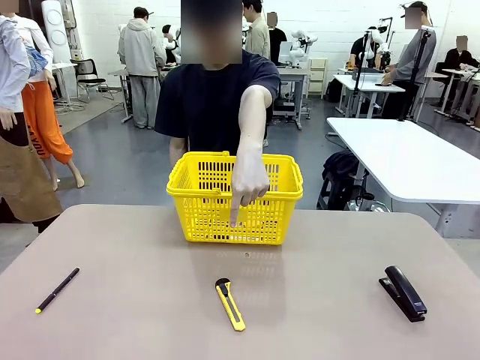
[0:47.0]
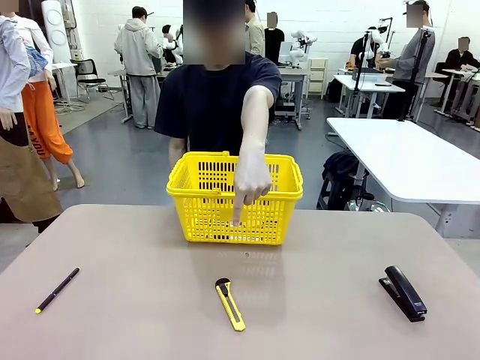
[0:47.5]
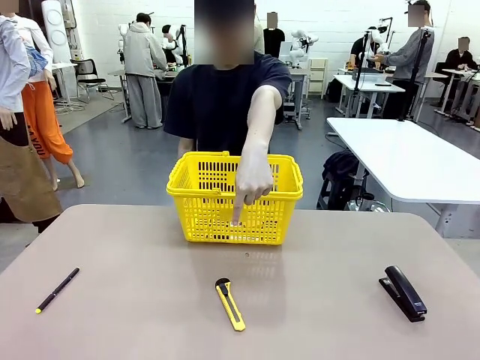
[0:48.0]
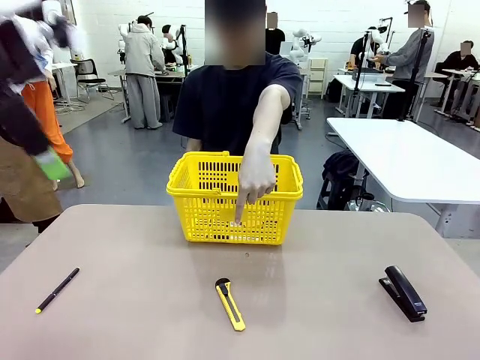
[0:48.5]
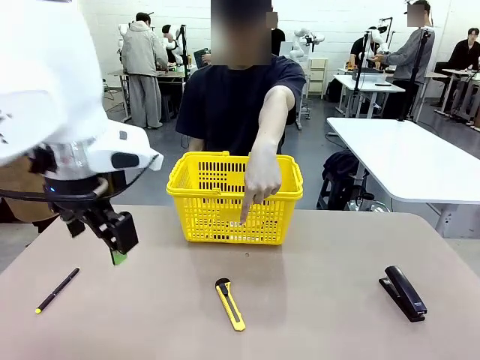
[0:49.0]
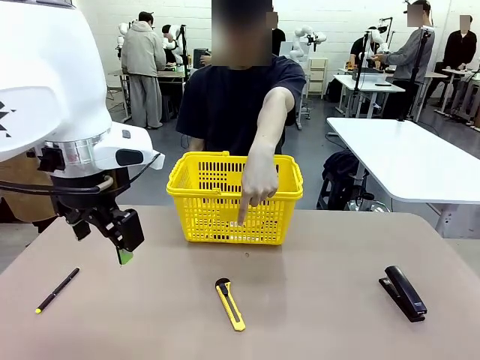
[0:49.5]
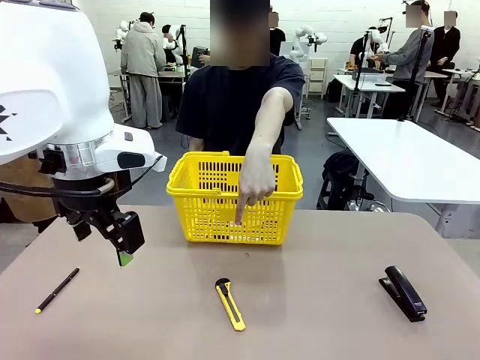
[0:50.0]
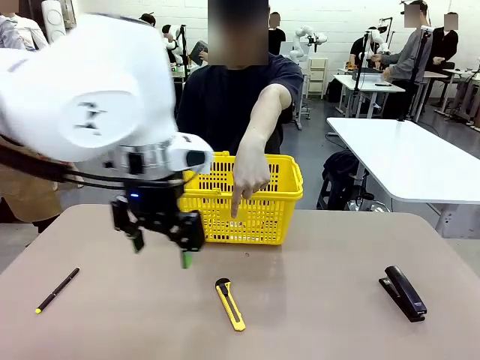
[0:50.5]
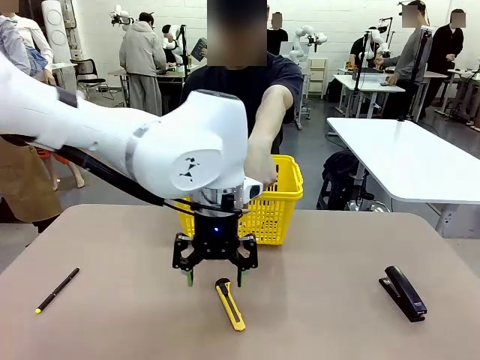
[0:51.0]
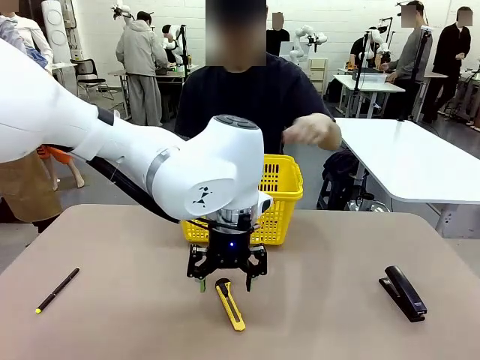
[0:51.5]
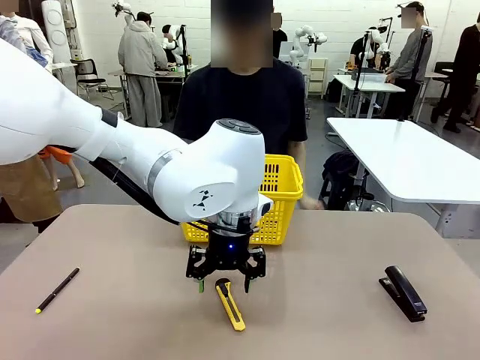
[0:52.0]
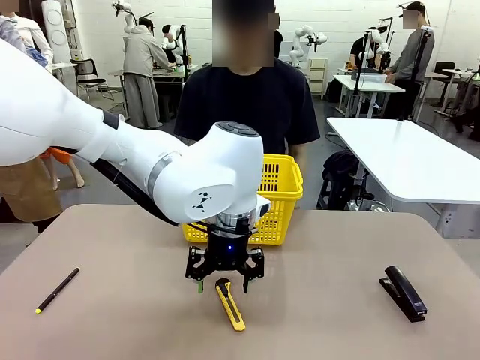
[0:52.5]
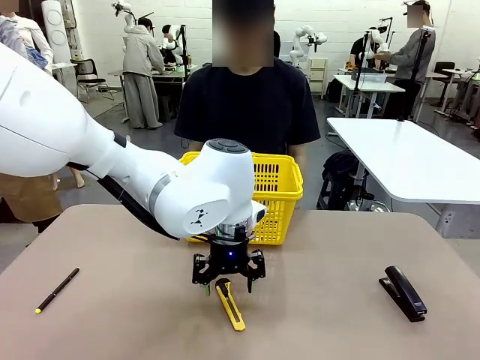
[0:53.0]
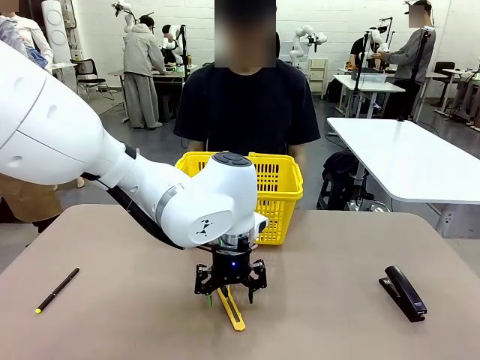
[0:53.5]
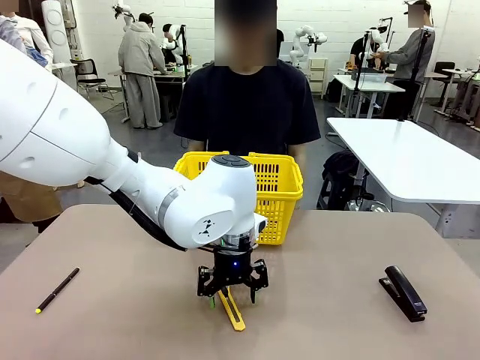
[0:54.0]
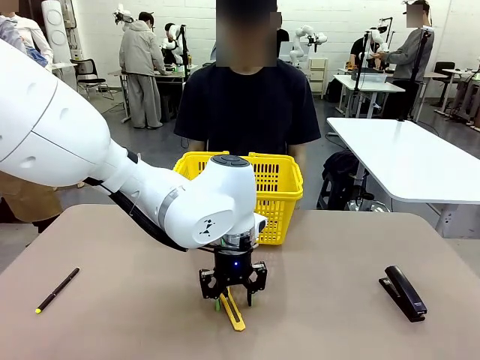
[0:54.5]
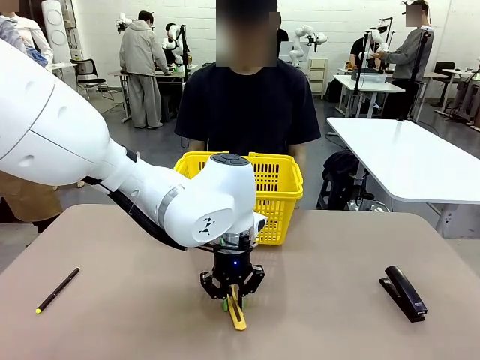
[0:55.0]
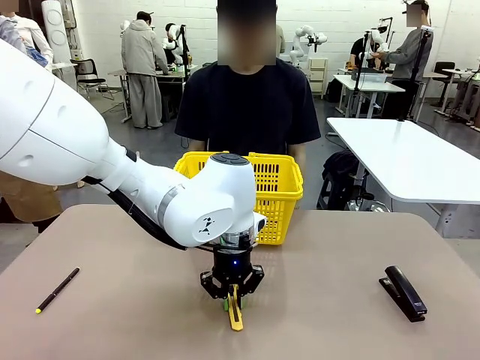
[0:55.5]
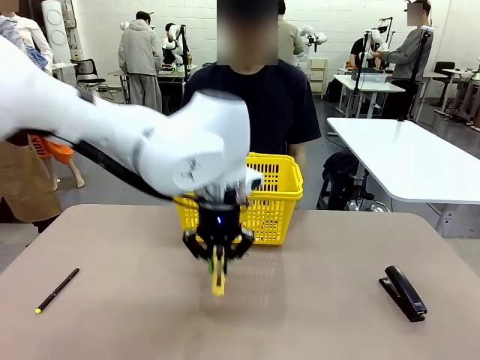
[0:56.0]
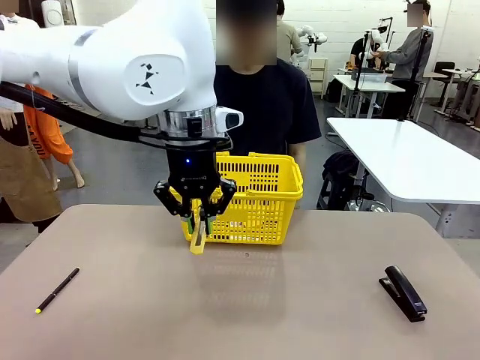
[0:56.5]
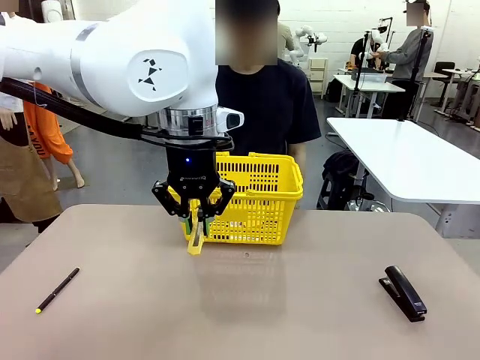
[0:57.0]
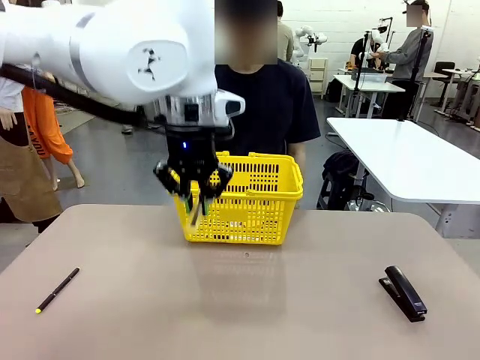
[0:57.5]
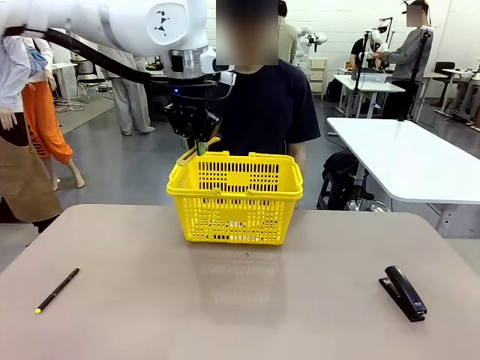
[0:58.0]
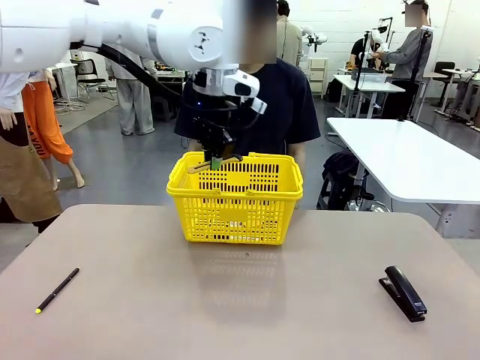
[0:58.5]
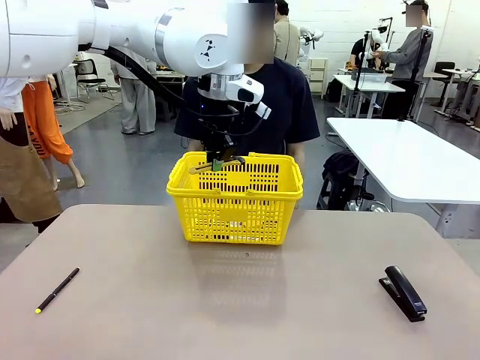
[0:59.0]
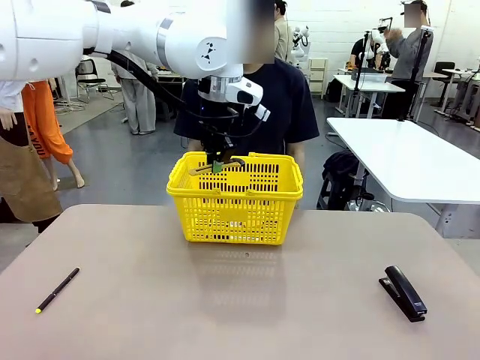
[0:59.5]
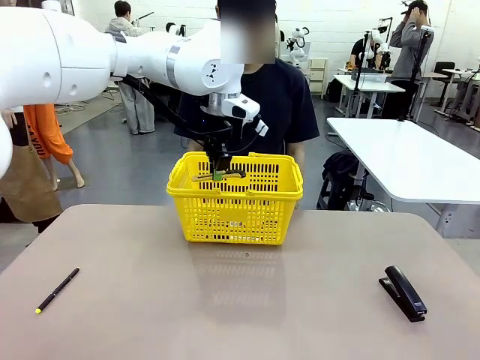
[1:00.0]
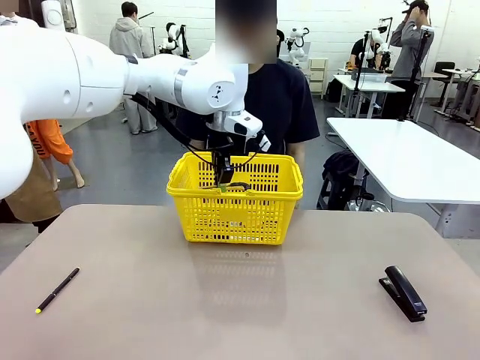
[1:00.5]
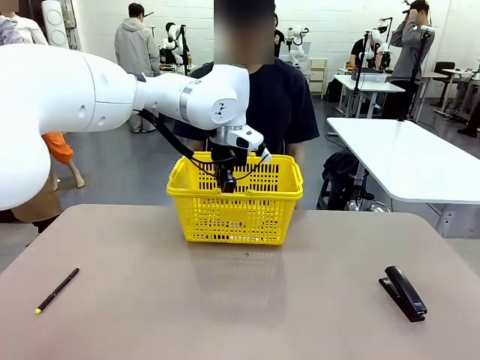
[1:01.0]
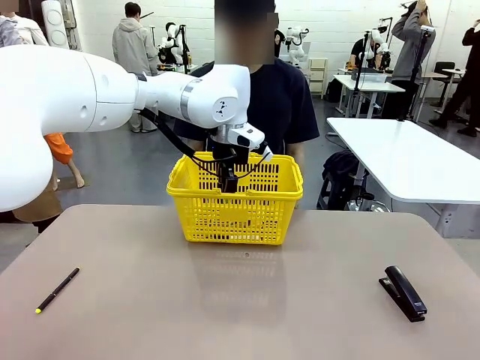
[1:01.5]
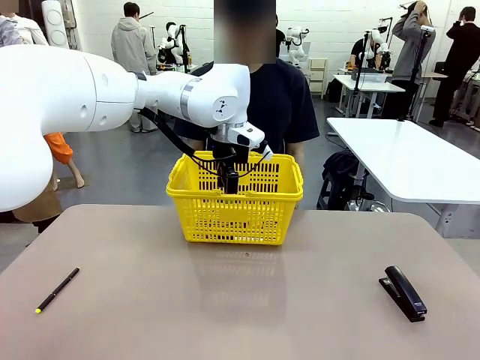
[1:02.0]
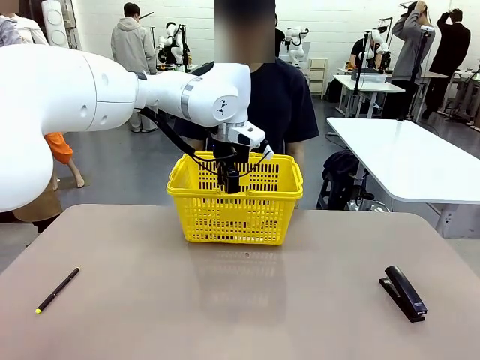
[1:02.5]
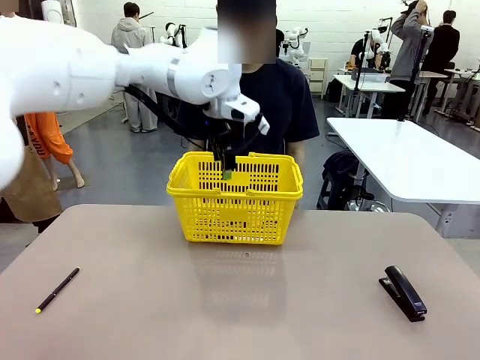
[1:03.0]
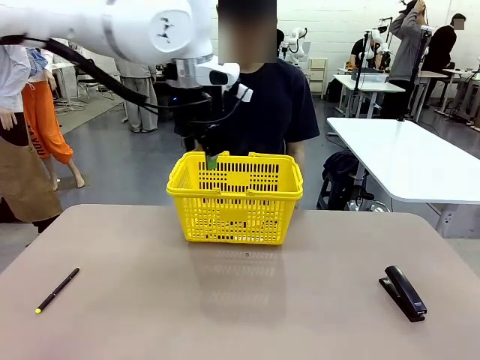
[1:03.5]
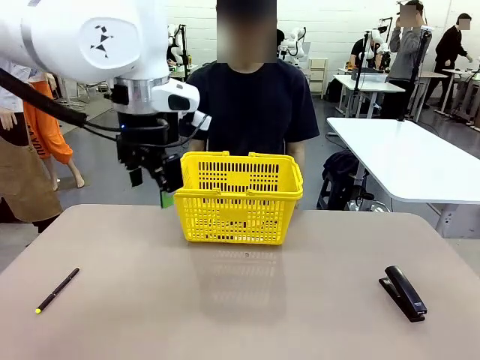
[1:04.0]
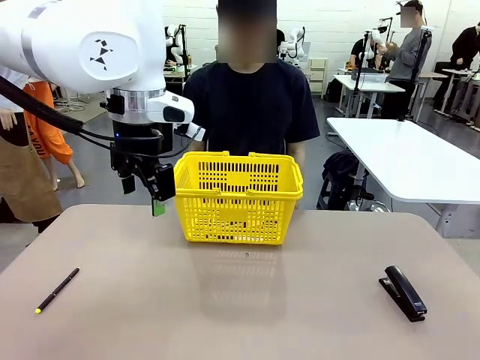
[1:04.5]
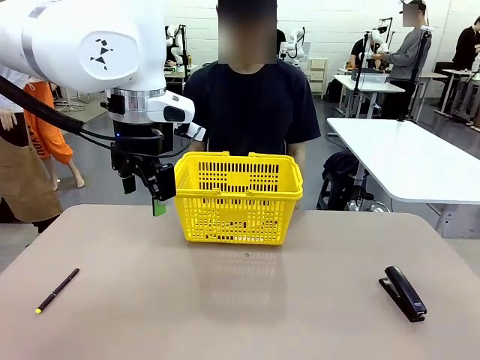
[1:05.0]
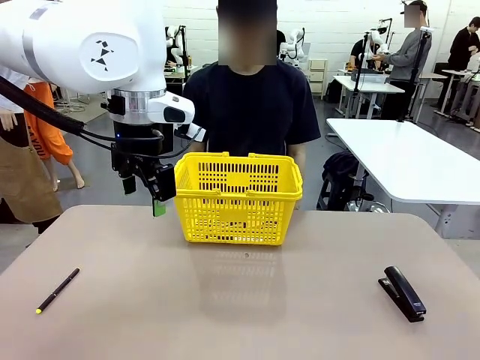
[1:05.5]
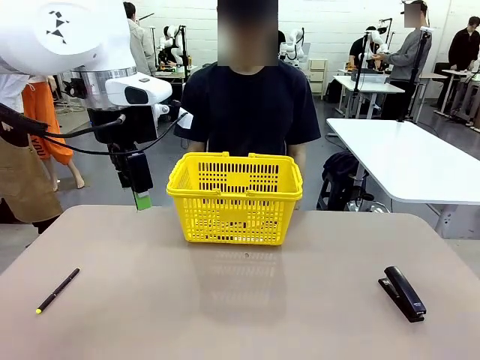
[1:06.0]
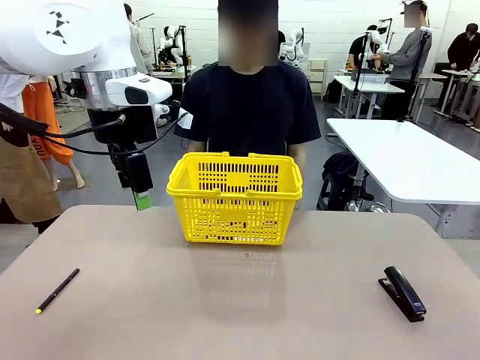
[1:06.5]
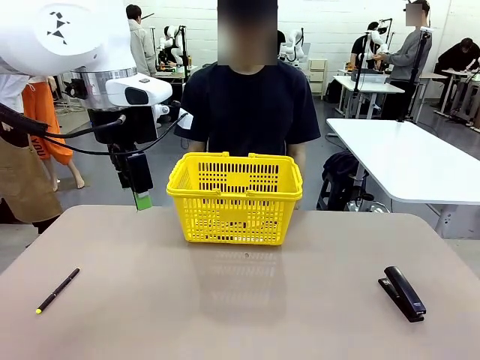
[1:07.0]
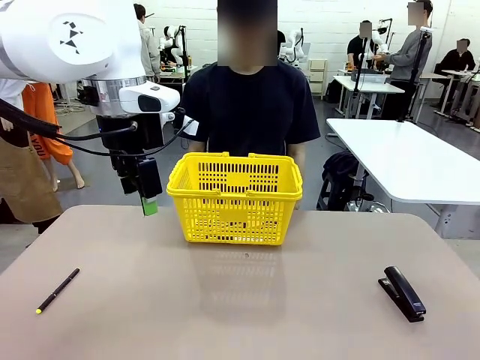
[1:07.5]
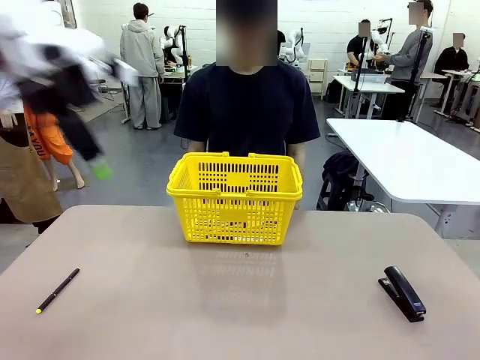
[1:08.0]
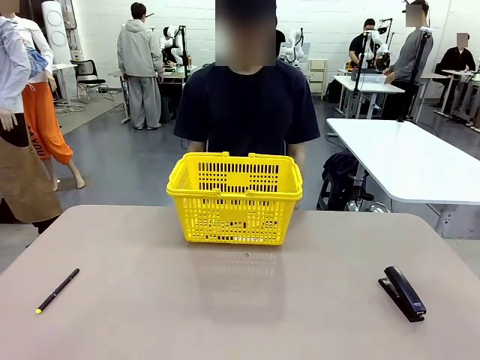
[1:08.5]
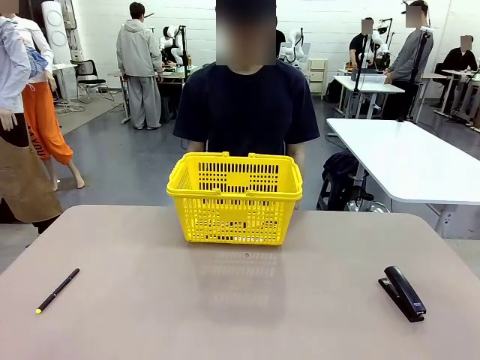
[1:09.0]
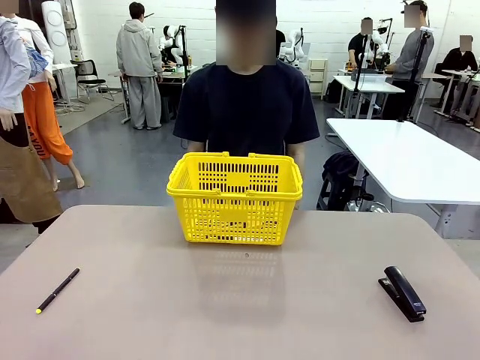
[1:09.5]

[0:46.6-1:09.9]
Task: Place the items the person wants into the basket.
Robot: Pick up the item the person points to and place it in the Market Basket.

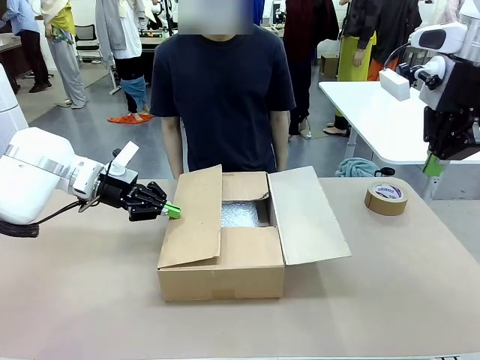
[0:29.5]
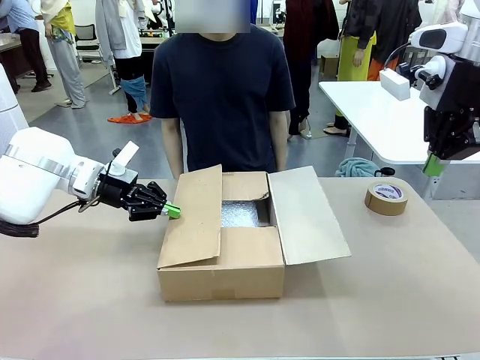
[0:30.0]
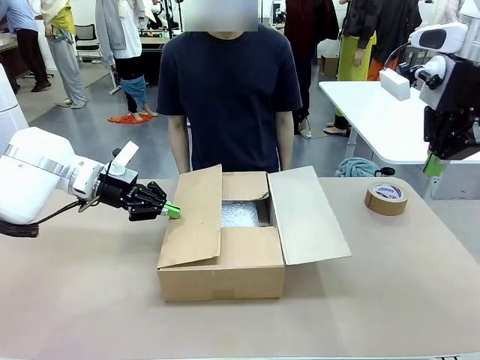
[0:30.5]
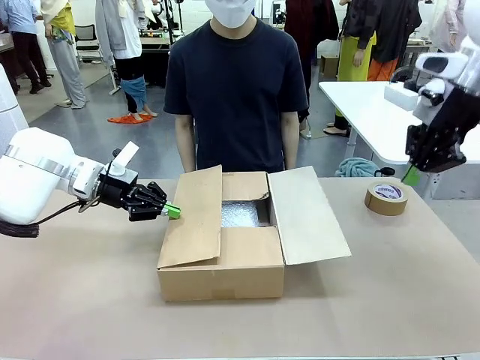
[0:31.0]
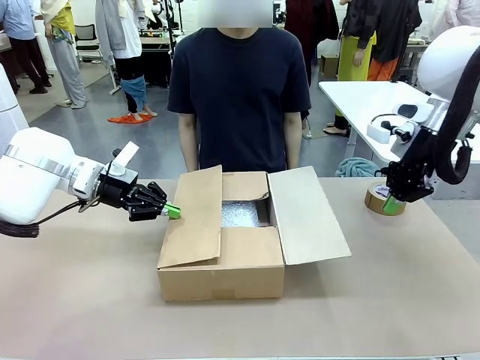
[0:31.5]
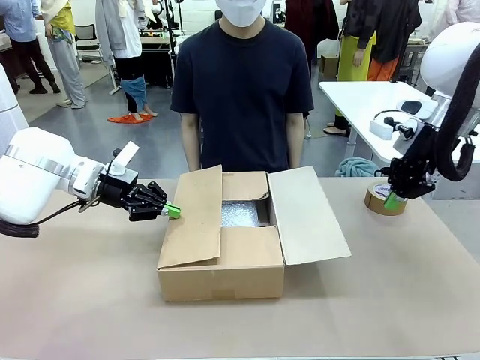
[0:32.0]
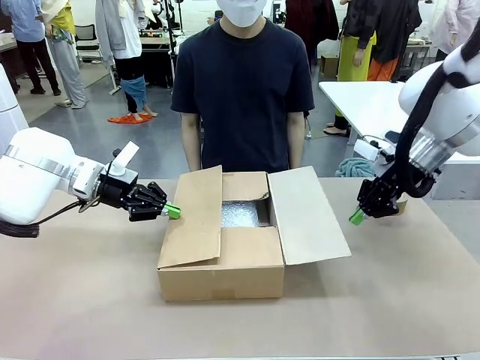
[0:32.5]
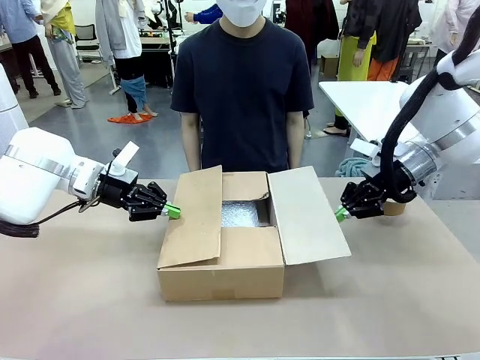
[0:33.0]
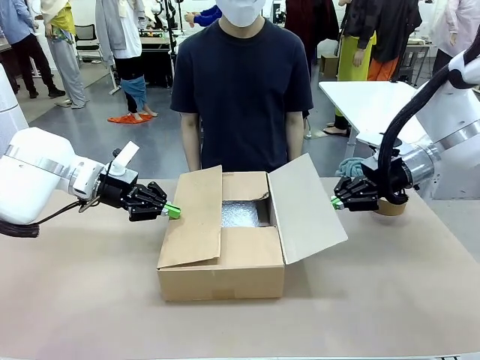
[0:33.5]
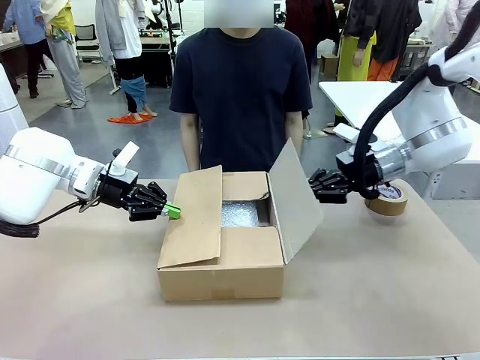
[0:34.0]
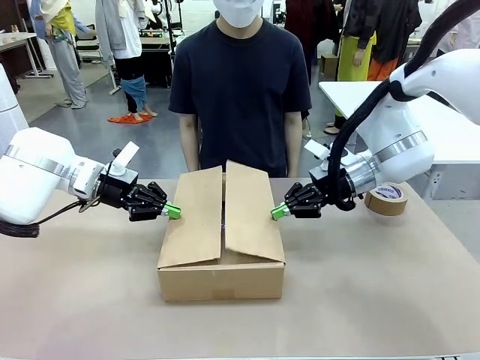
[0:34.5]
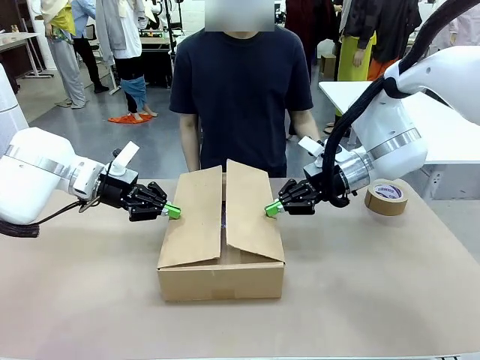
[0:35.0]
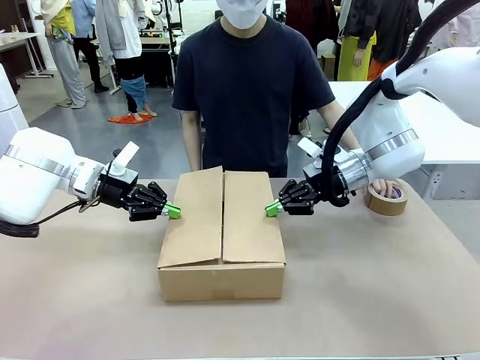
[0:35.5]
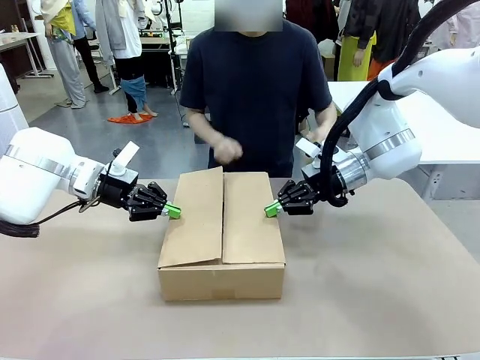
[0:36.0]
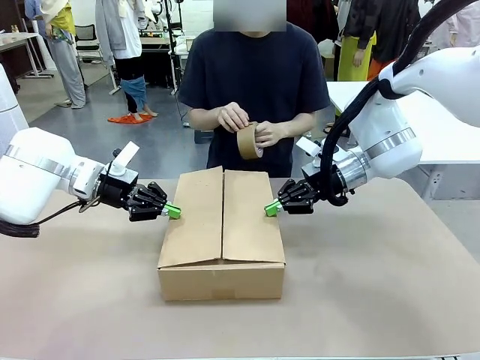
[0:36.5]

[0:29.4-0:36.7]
Task: Wrap the clocks to prevent damage.
Robot: Push the left (or right) flap of the Package Box to close it.
